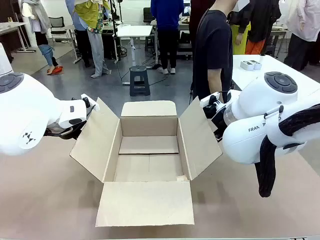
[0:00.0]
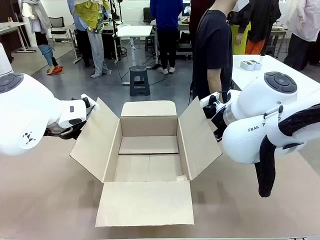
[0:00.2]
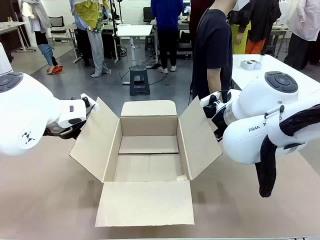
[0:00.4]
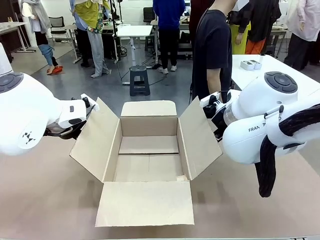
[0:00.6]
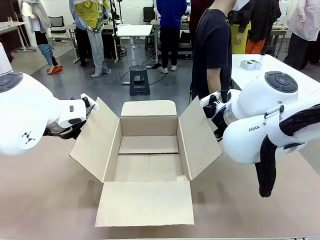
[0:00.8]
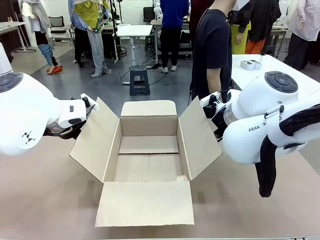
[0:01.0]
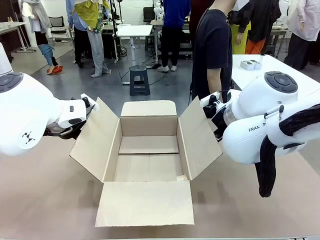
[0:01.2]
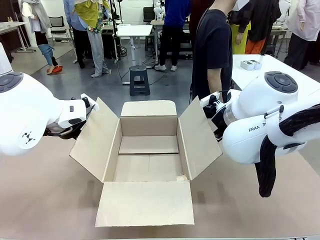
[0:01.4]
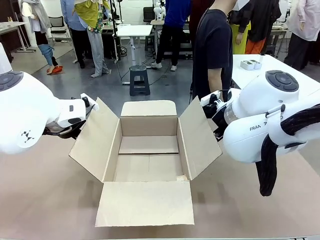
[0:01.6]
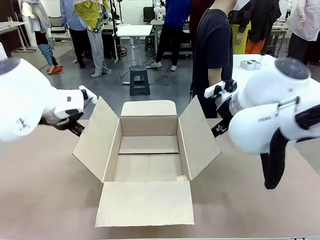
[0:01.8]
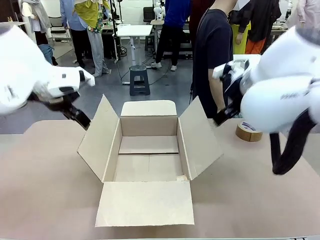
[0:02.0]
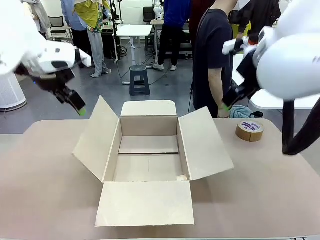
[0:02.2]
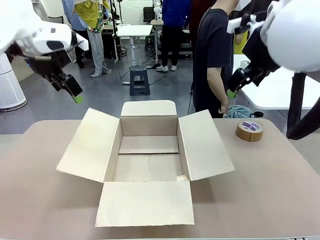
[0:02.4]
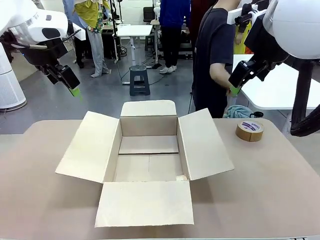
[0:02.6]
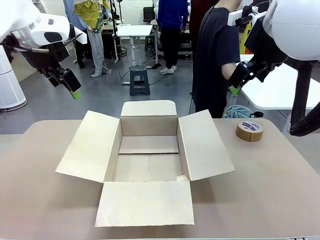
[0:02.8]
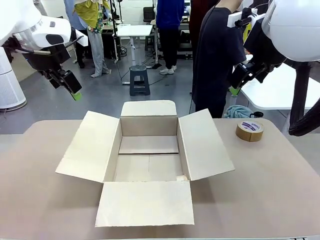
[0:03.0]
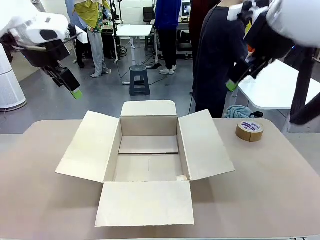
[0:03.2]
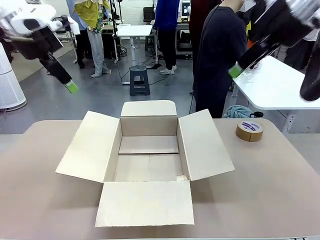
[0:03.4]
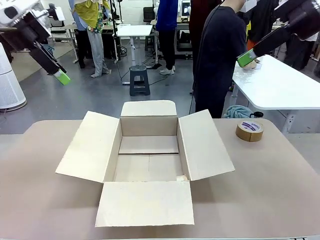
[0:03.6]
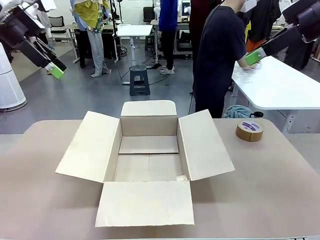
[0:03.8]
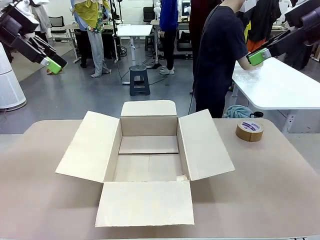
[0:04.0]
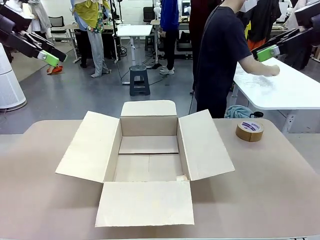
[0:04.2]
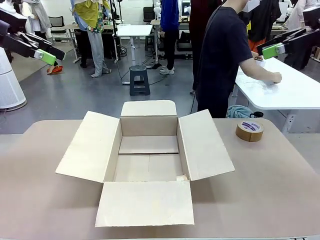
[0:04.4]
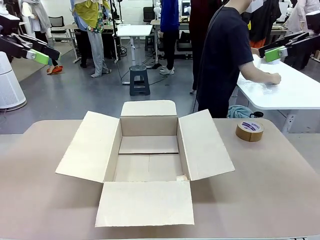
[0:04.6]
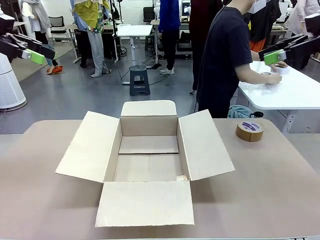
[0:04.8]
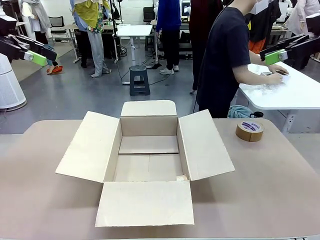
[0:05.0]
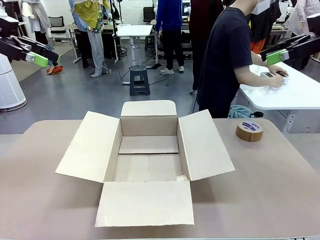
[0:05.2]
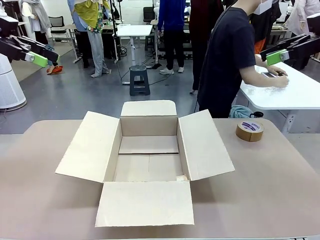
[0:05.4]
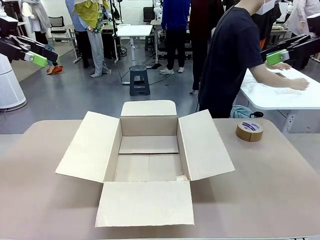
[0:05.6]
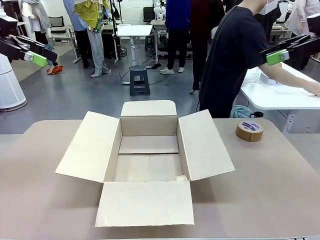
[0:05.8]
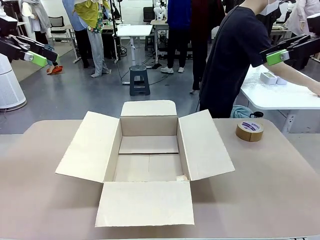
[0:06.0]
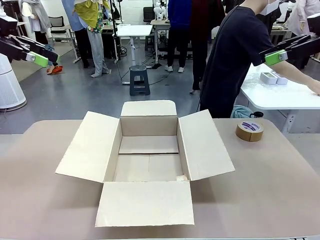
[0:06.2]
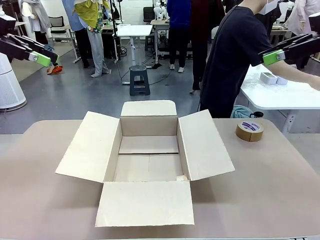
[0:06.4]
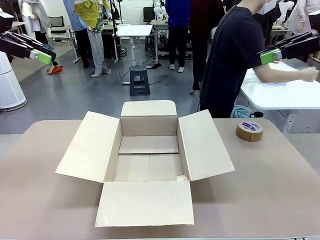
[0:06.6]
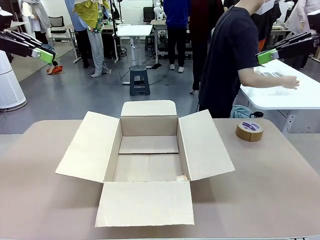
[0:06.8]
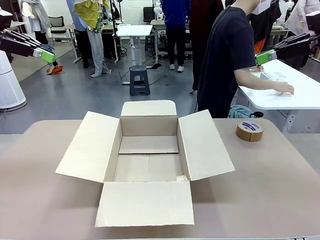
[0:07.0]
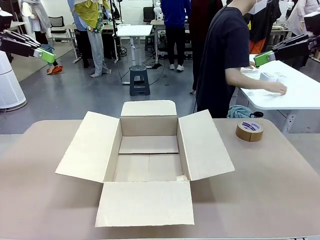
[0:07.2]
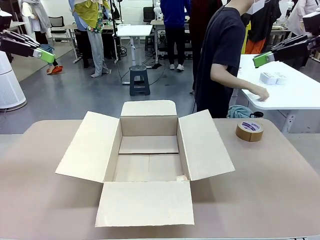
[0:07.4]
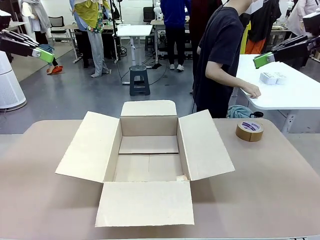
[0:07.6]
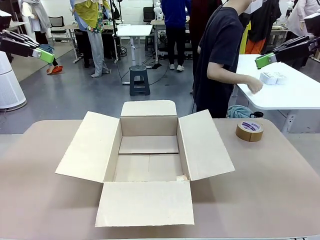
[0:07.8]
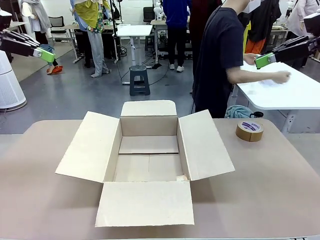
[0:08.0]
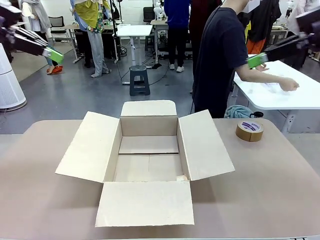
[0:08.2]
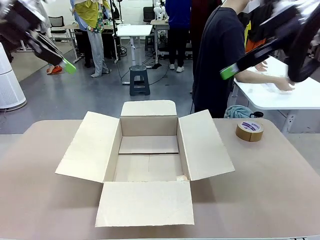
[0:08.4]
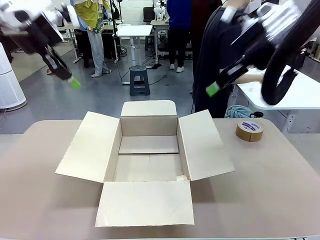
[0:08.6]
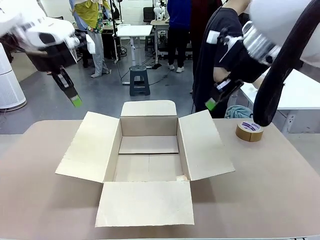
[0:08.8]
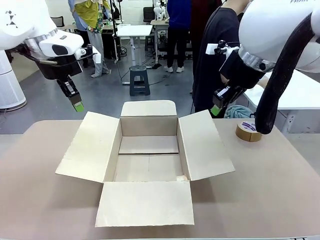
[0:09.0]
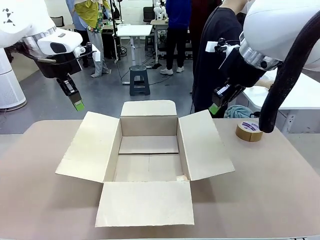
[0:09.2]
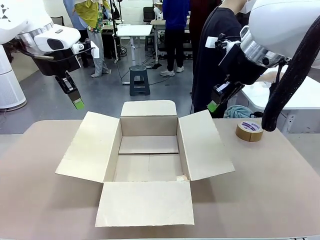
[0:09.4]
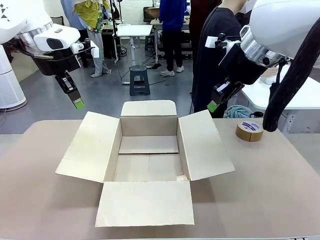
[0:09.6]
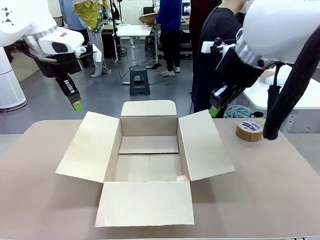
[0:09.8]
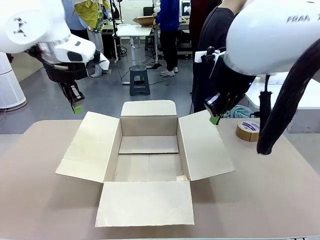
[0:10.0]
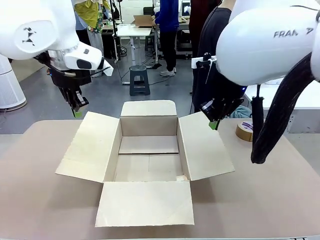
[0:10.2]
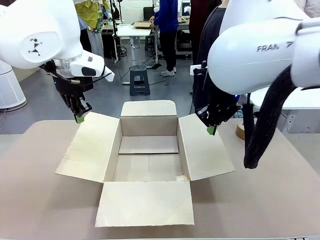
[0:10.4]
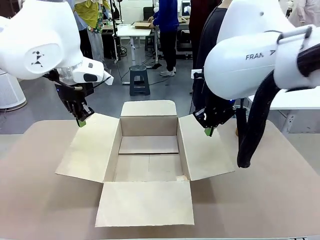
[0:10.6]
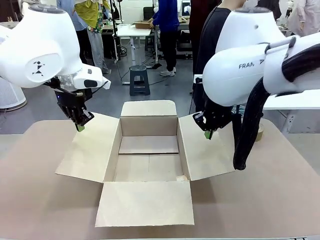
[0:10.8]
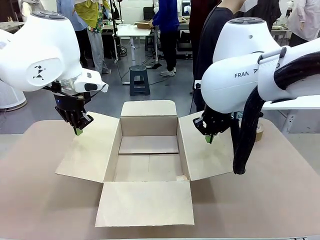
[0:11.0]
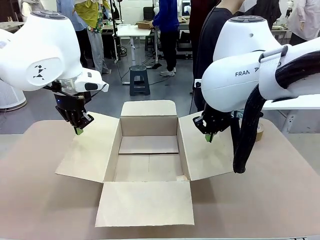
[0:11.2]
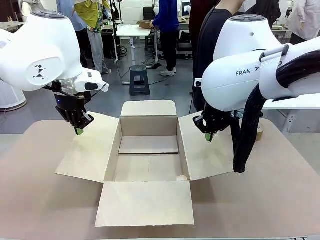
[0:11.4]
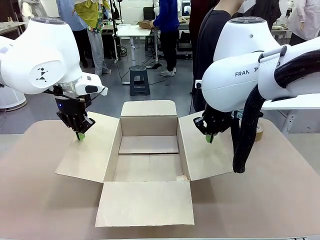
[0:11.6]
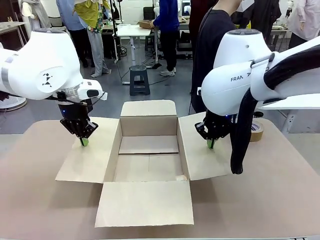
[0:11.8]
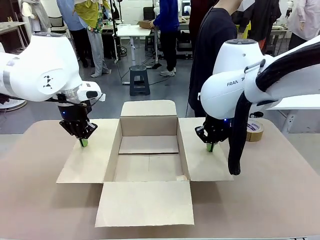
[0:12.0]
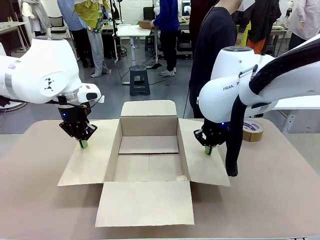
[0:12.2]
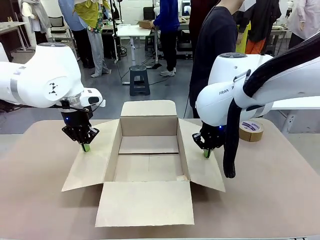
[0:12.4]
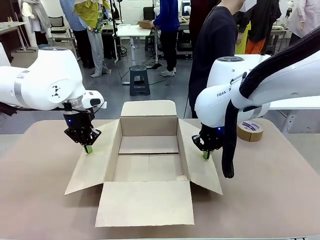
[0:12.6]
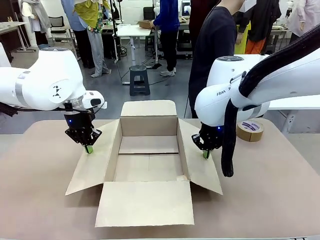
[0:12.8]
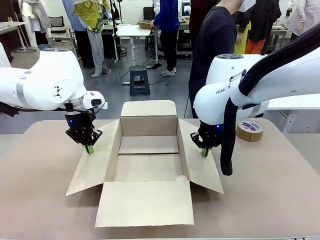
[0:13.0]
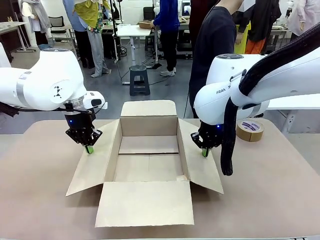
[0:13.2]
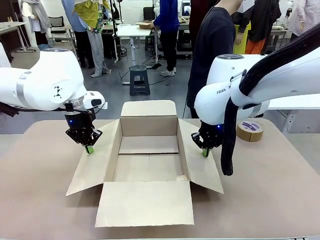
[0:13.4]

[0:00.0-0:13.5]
Task: Wrap the clocks to prevent damage.
Robot: Open the side flaps of the Package Box.
Person: Wrap the two Digital clocks with Bubble Wrap.

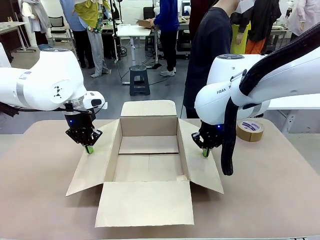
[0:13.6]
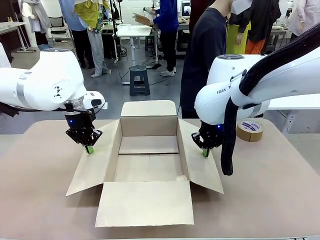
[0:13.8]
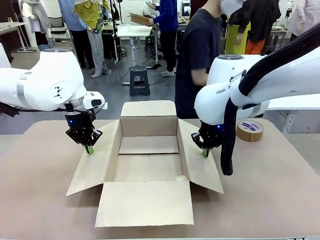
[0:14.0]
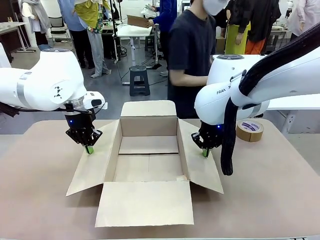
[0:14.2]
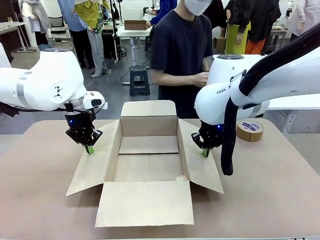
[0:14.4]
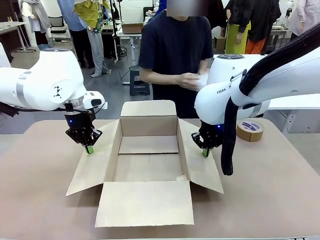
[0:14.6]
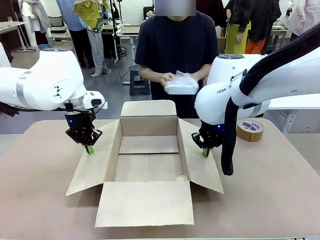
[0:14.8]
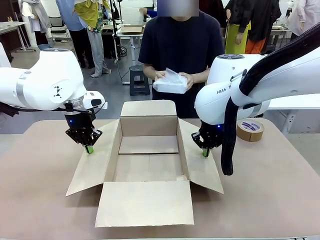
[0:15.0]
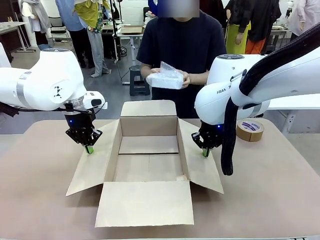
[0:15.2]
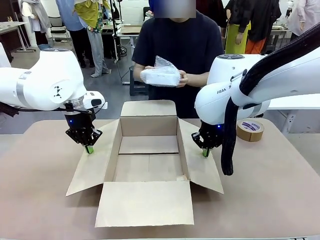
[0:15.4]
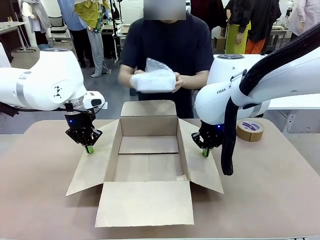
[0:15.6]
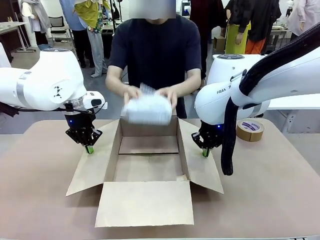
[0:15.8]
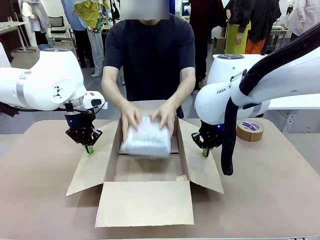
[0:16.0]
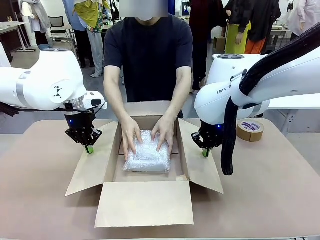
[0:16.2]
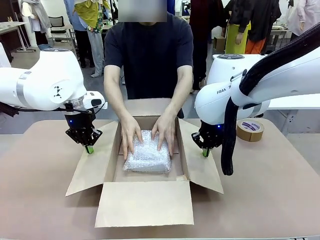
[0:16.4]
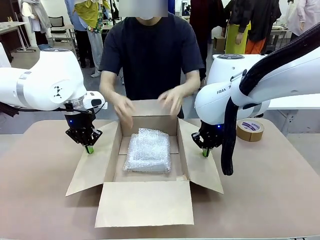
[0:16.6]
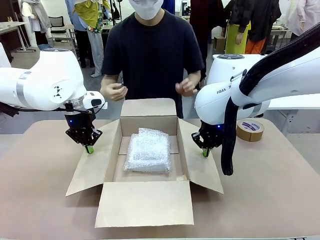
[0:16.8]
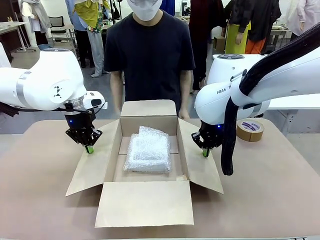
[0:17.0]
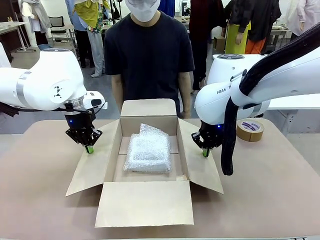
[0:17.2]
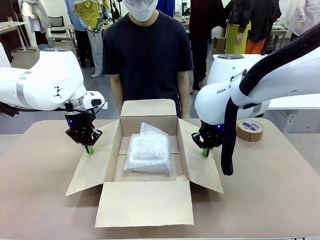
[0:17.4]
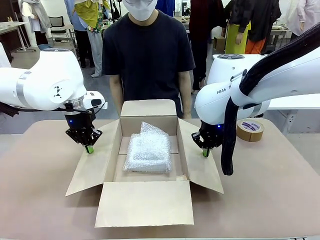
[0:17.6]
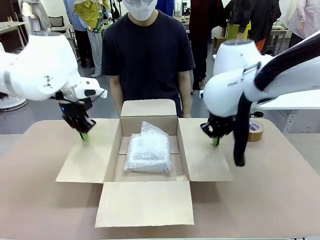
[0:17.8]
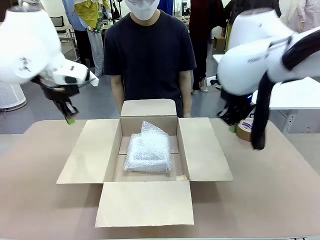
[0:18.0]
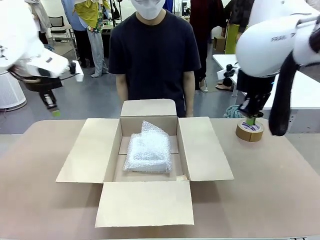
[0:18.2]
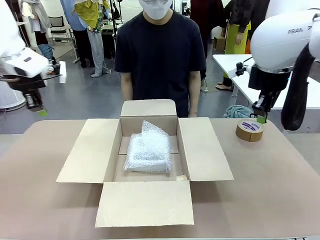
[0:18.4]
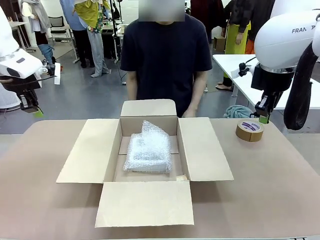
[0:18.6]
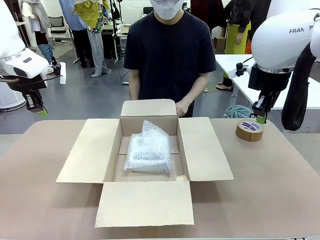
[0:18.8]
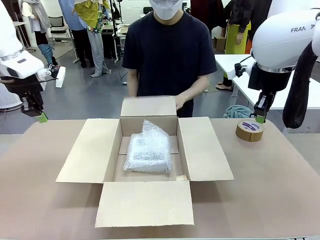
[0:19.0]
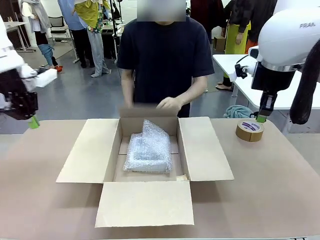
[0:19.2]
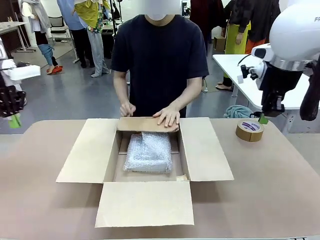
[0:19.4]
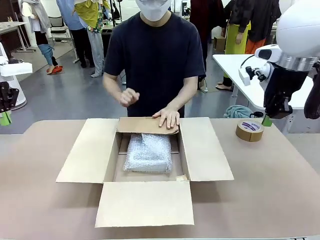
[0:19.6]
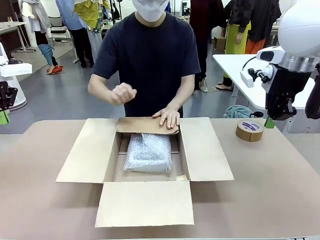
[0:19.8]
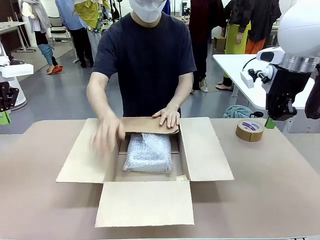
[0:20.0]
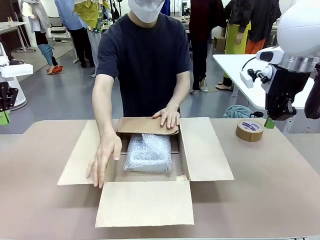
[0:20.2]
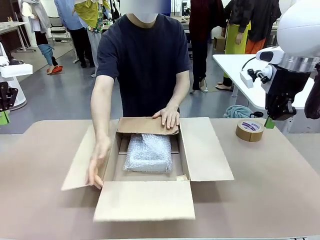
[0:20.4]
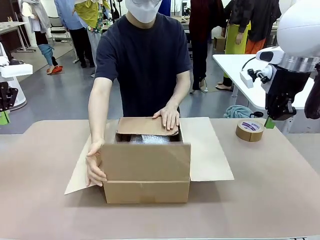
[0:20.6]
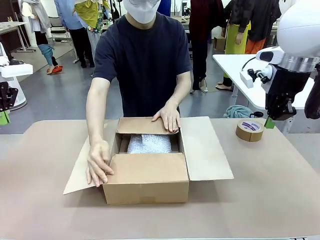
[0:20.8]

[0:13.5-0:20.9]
Robot: Once the human has placed the objects inside and stepped back, release both hands from the side flaps of the Package Box.
Person: Place the wrapped Digital clocks inside the Package Box. Hold the top and bottom flaps of the Package Box closed with your left (or right) hand.
